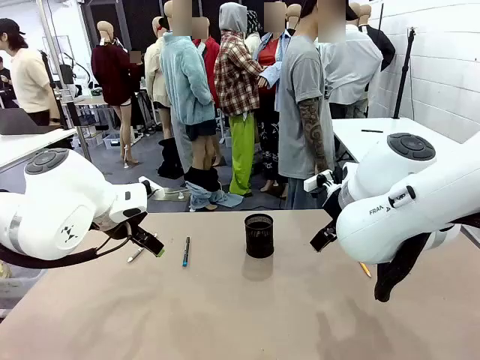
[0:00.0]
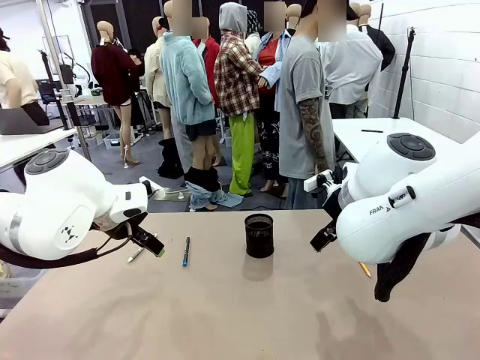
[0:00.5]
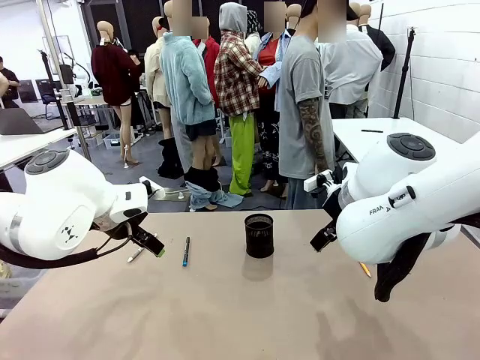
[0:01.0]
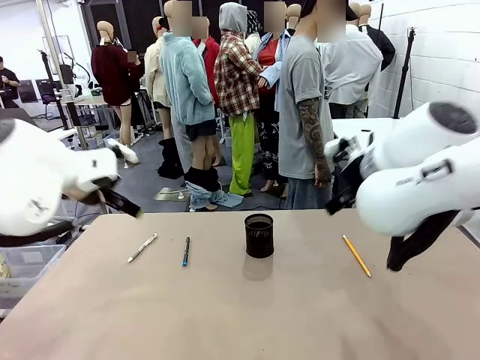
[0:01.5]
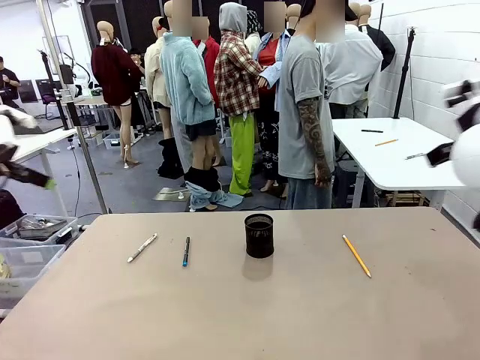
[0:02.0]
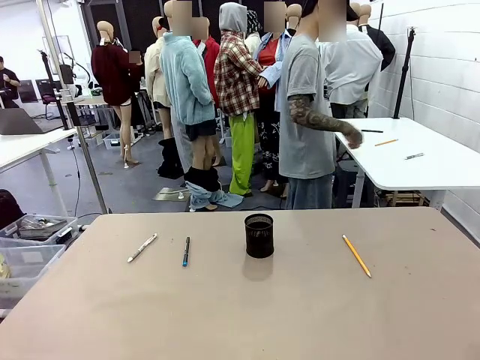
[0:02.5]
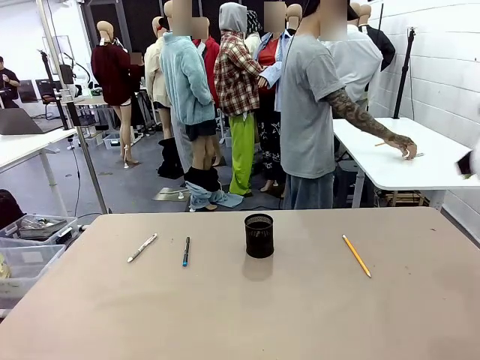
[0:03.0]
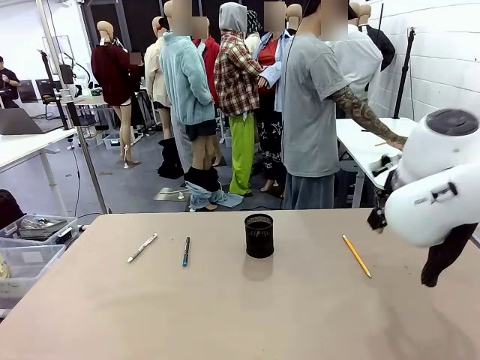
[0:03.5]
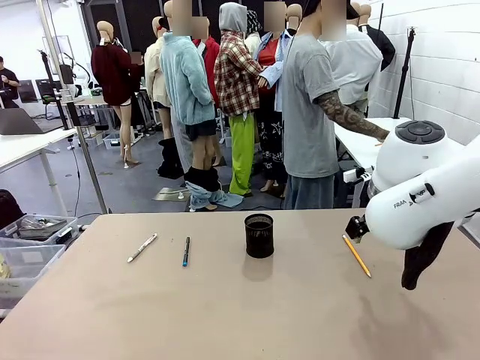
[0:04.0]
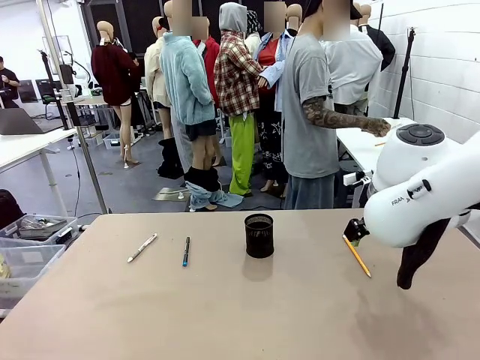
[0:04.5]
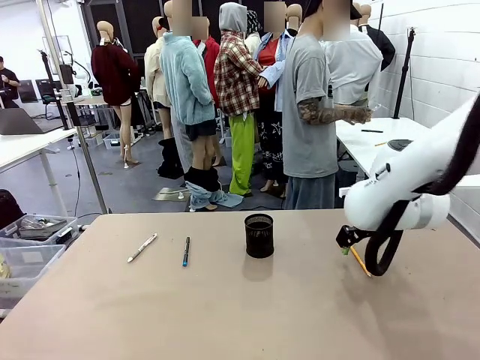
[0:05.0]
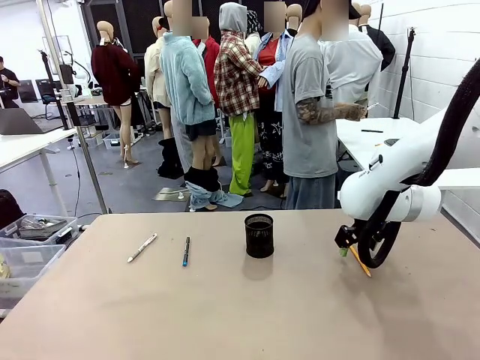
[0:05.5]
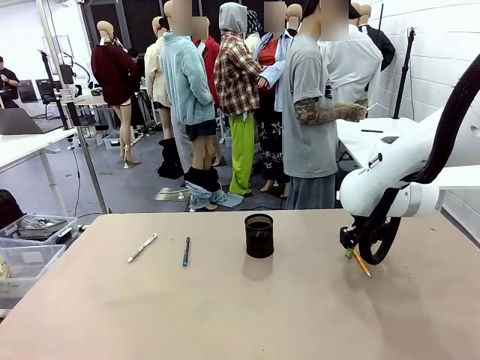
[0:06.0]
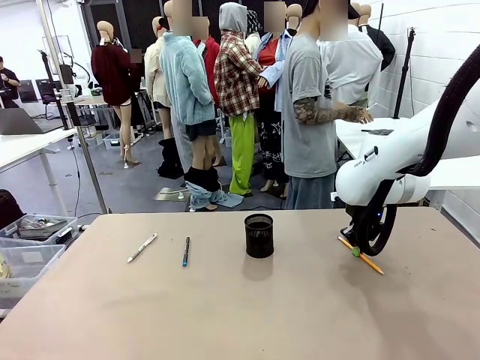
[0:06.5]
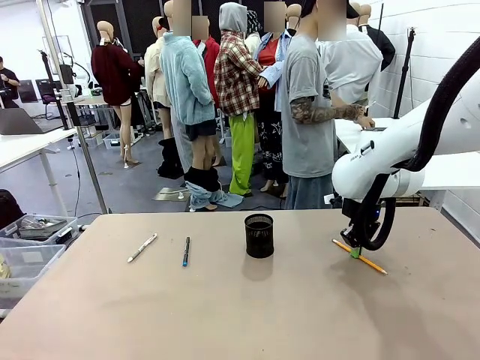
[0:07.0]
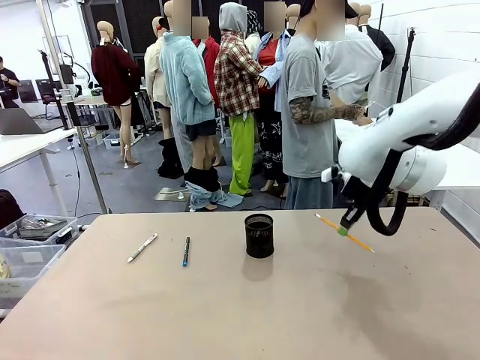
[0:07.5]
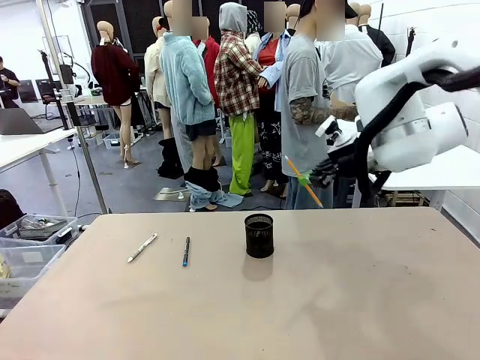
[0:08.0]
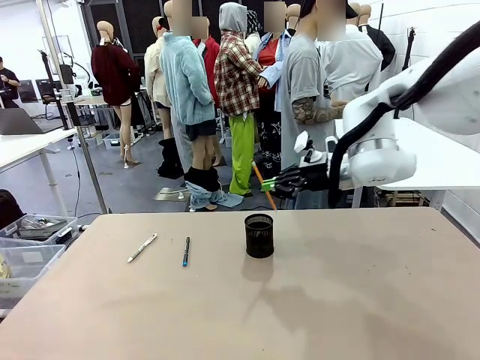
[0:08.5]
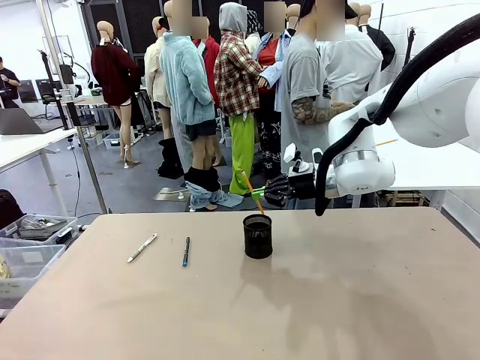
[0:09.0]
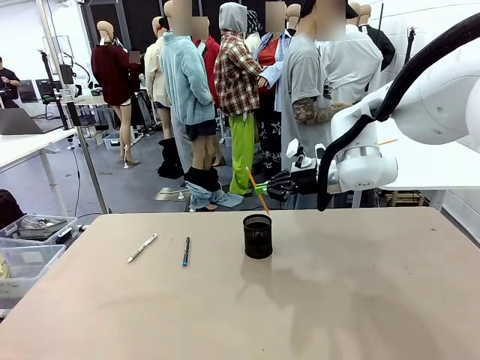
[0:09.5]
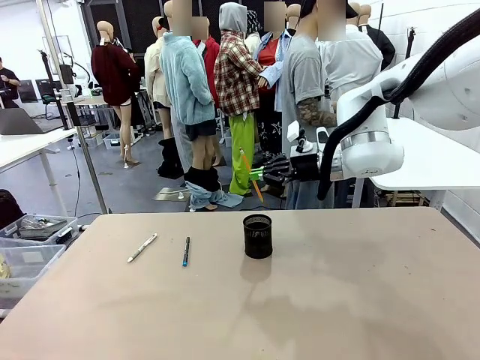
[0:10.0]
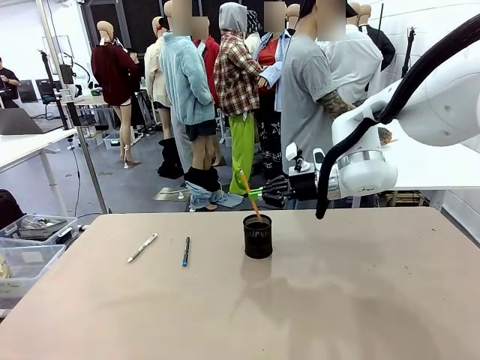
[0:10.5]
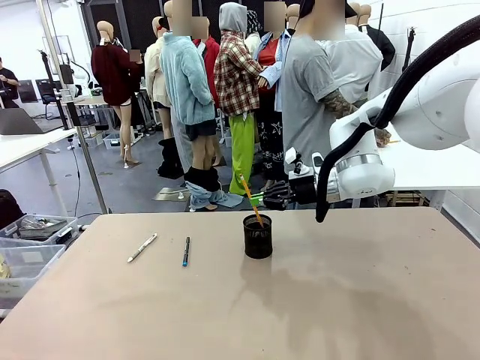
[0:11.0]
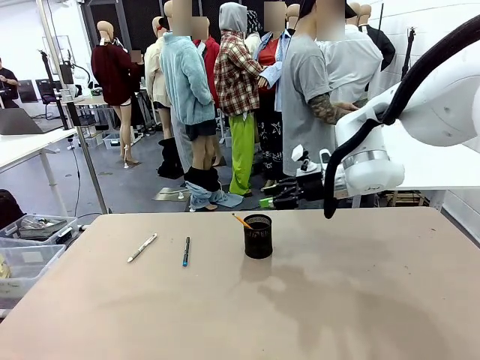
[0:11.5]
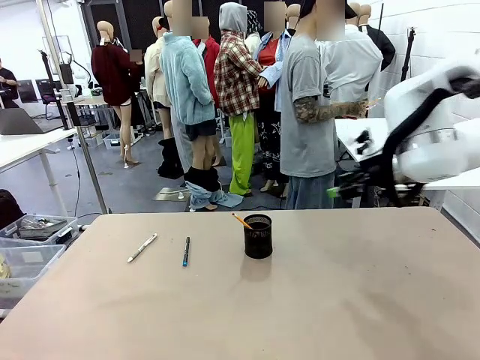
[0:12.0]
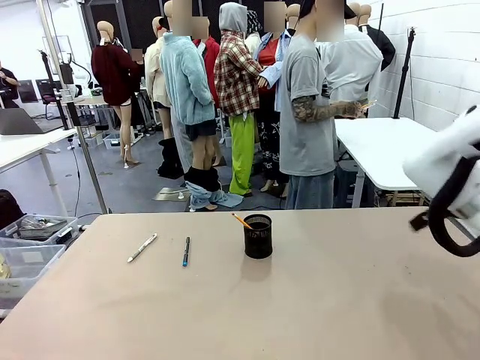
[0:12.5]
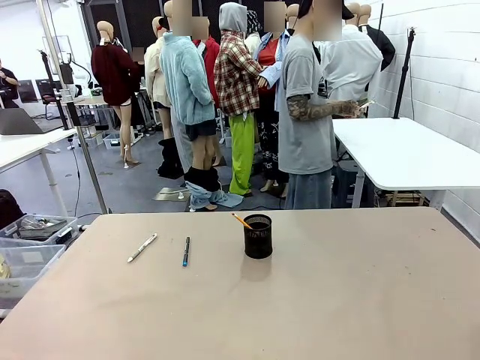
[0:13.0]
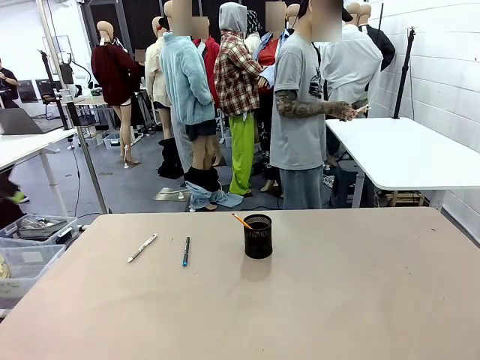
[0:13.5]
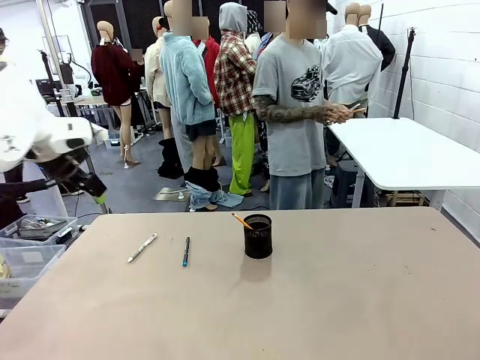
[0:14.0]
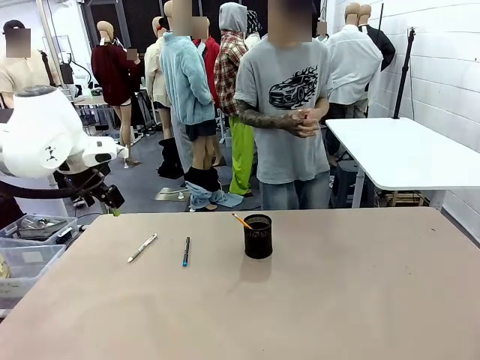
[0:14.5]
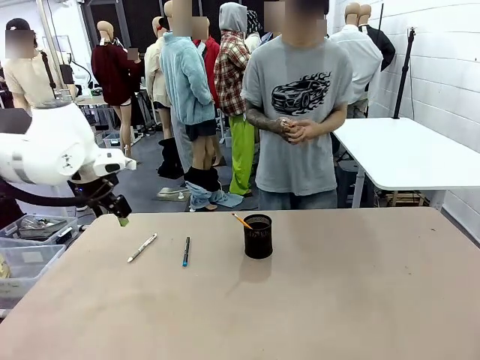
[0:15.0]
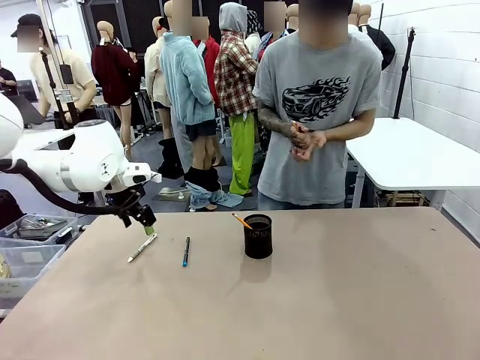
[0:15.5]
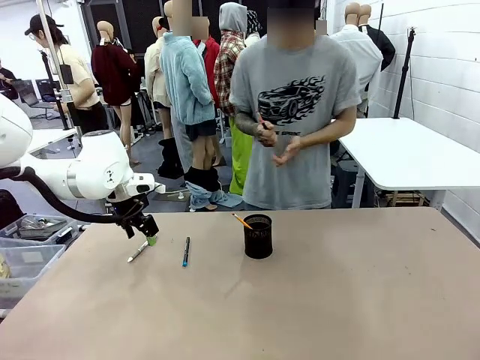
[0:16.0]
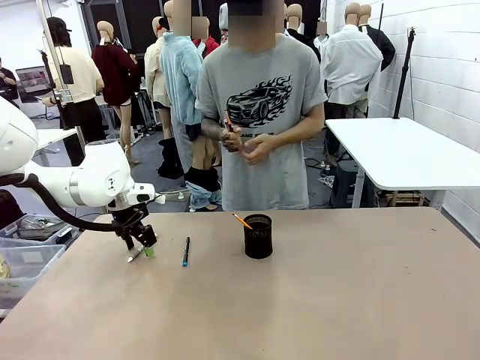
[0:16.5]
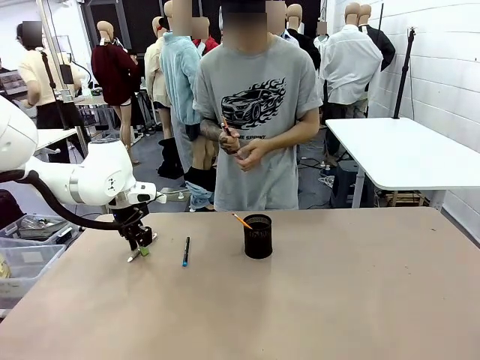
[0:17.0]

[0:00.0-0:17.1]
Task: Place the pens into the pen holder.
Robot: Pick up a writing instrument from the table and place it into the Pen holder.
Person: Pick up all writing instruments from the Human table.
